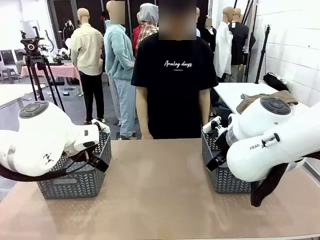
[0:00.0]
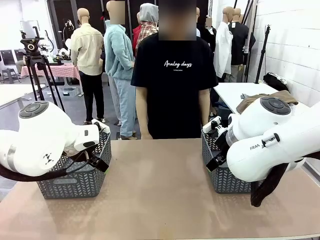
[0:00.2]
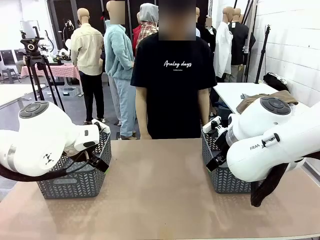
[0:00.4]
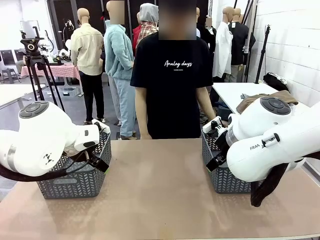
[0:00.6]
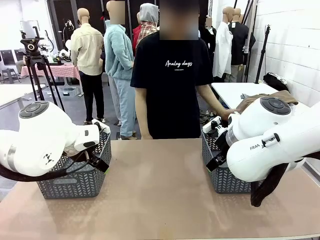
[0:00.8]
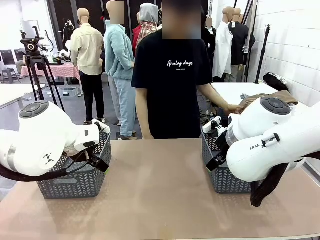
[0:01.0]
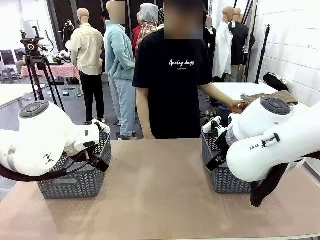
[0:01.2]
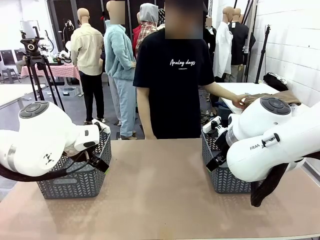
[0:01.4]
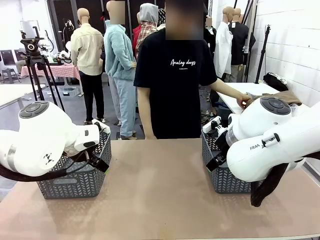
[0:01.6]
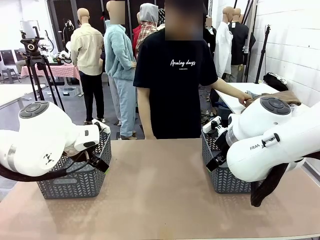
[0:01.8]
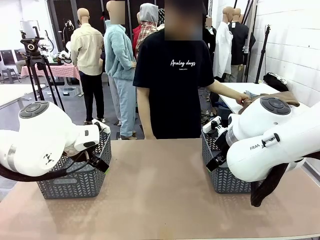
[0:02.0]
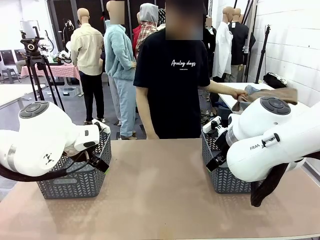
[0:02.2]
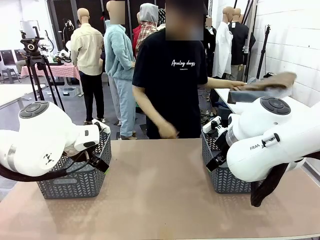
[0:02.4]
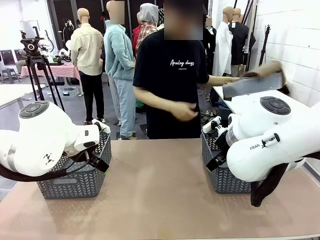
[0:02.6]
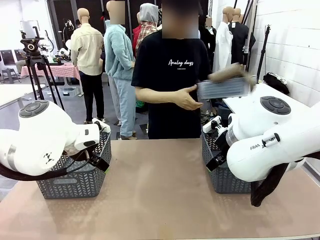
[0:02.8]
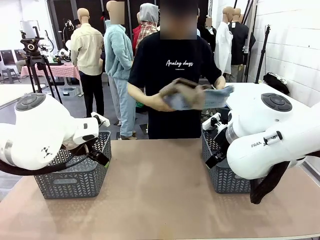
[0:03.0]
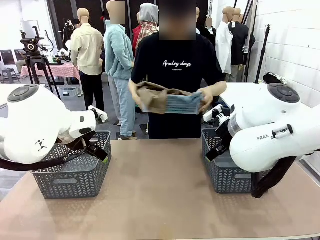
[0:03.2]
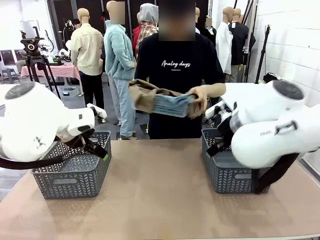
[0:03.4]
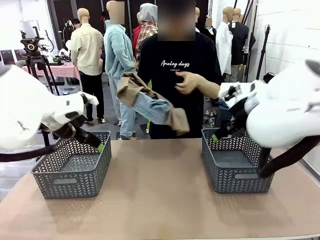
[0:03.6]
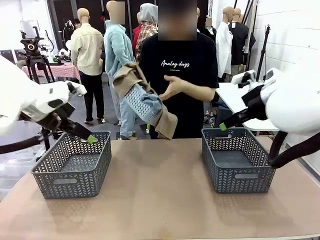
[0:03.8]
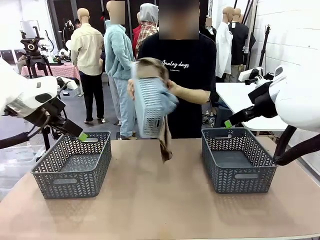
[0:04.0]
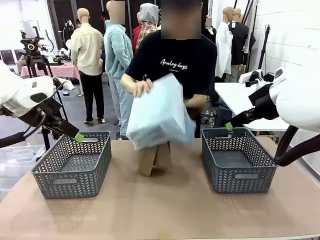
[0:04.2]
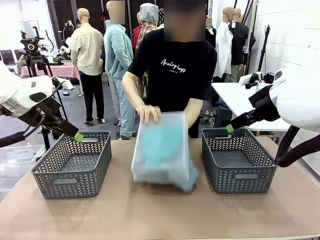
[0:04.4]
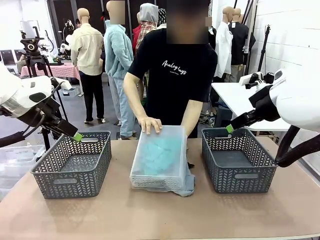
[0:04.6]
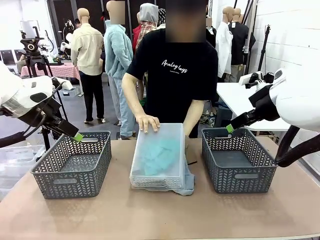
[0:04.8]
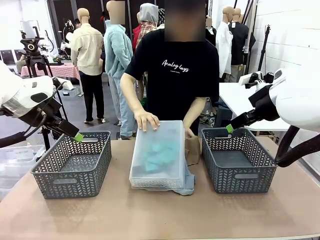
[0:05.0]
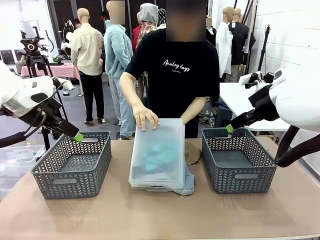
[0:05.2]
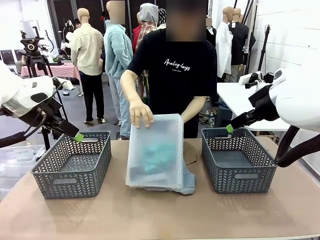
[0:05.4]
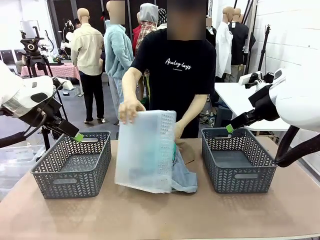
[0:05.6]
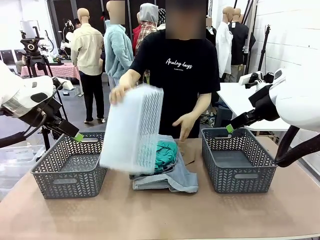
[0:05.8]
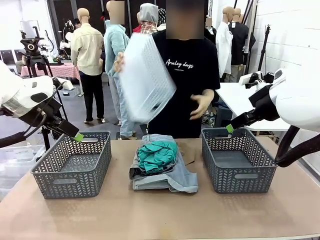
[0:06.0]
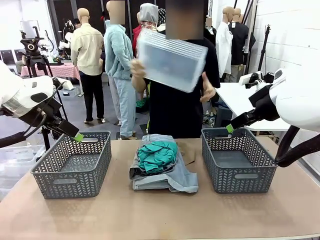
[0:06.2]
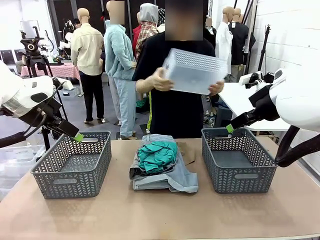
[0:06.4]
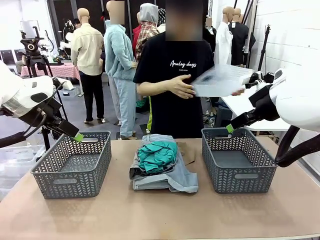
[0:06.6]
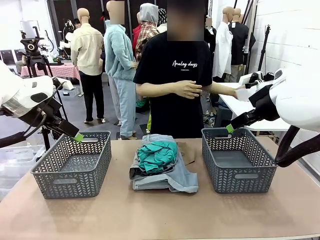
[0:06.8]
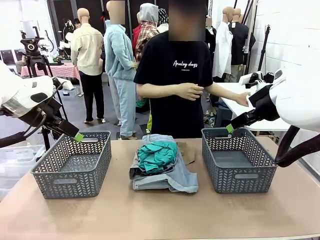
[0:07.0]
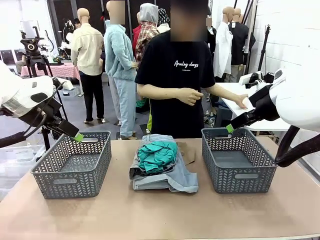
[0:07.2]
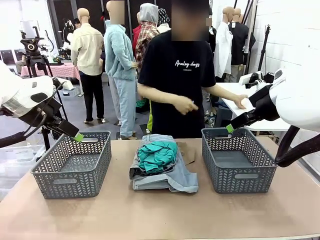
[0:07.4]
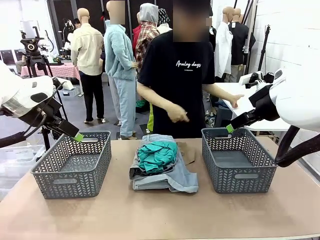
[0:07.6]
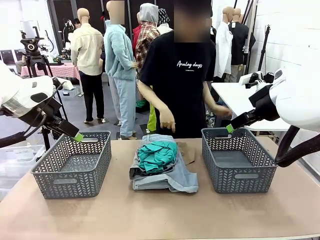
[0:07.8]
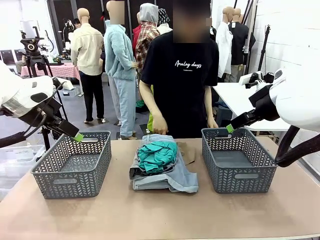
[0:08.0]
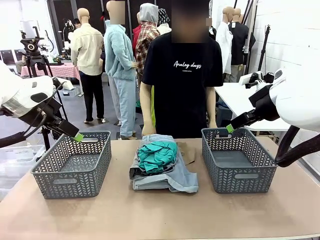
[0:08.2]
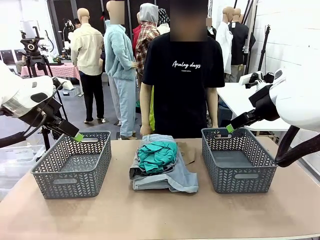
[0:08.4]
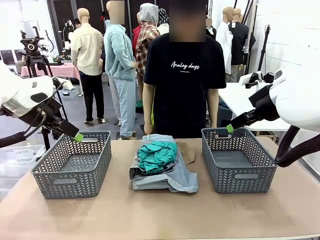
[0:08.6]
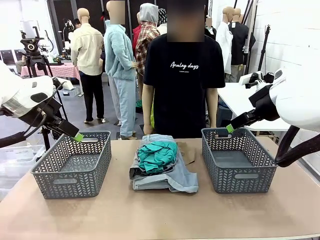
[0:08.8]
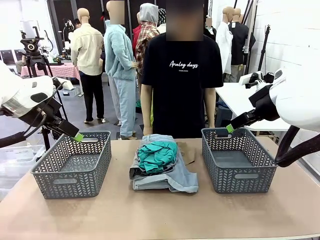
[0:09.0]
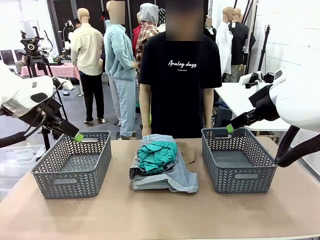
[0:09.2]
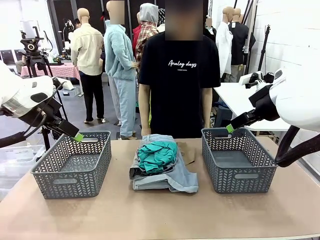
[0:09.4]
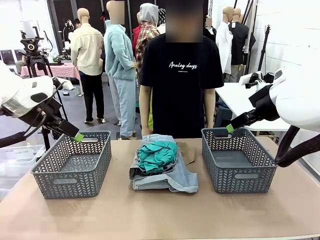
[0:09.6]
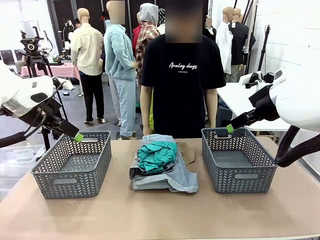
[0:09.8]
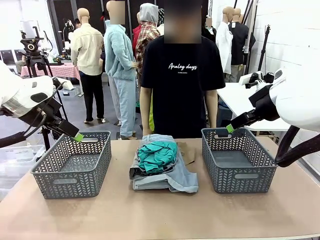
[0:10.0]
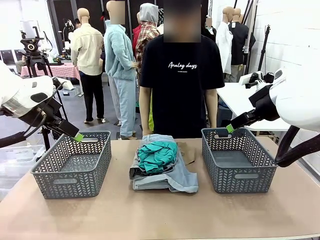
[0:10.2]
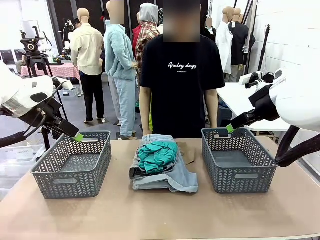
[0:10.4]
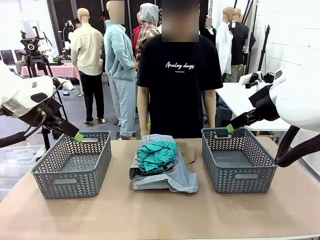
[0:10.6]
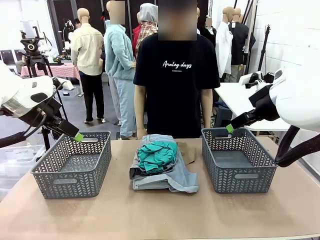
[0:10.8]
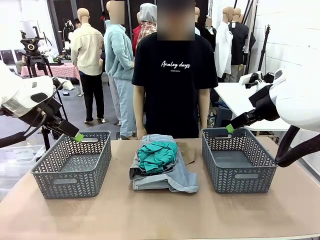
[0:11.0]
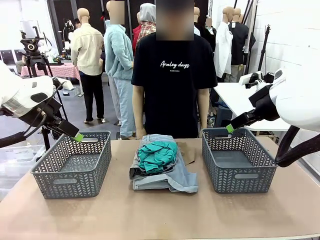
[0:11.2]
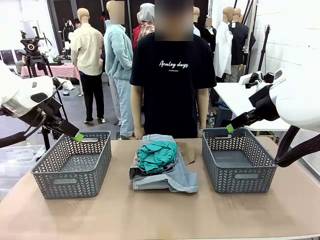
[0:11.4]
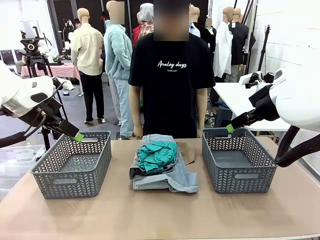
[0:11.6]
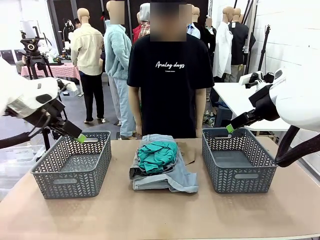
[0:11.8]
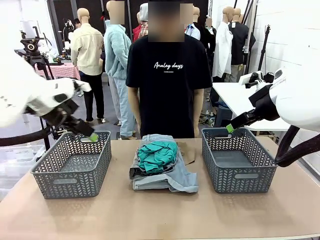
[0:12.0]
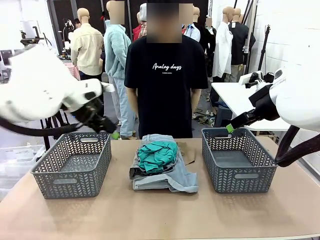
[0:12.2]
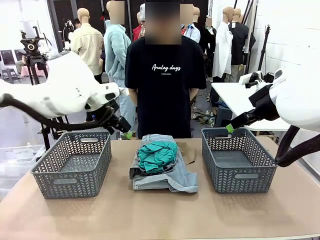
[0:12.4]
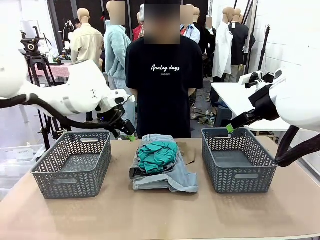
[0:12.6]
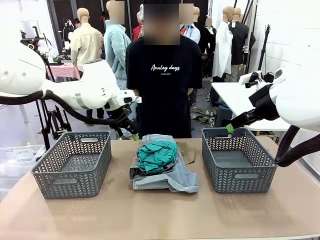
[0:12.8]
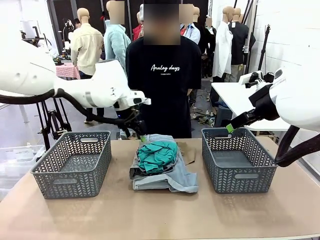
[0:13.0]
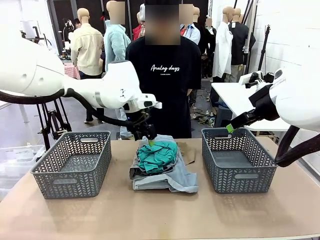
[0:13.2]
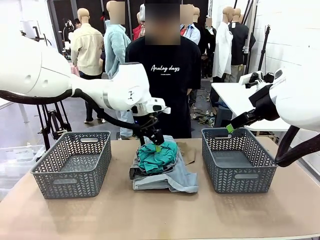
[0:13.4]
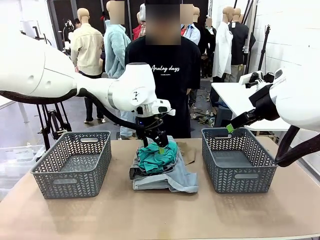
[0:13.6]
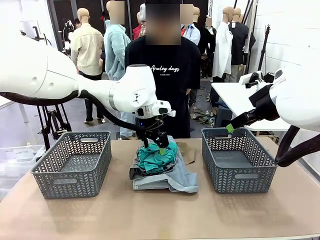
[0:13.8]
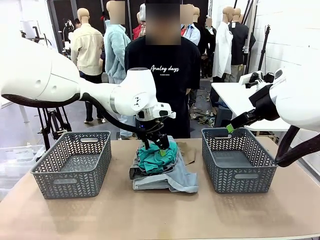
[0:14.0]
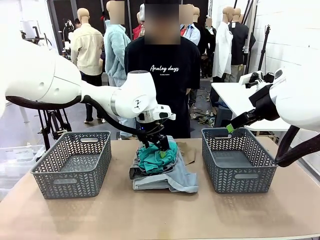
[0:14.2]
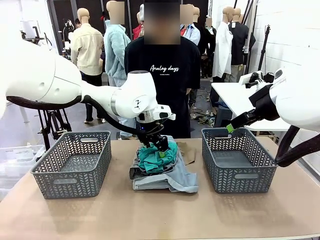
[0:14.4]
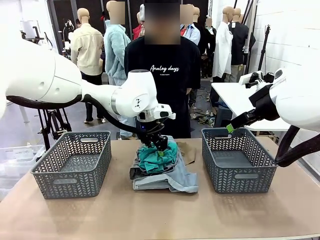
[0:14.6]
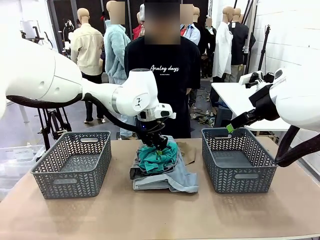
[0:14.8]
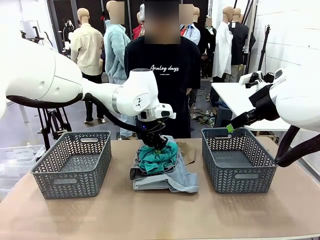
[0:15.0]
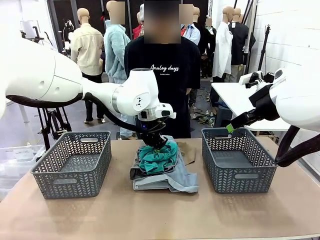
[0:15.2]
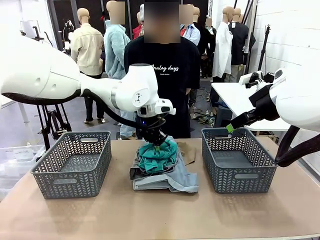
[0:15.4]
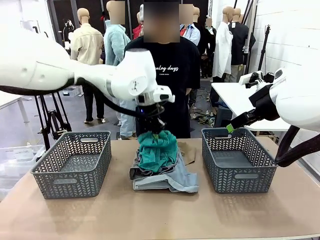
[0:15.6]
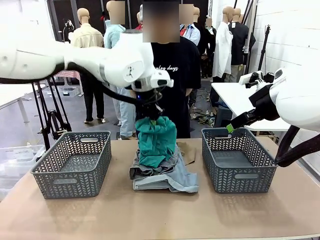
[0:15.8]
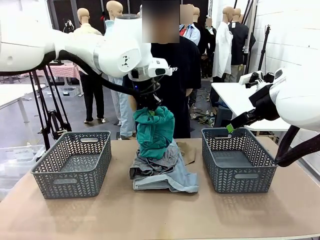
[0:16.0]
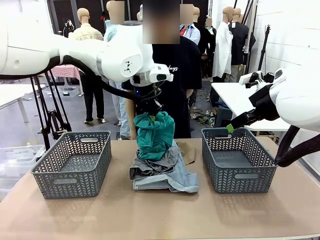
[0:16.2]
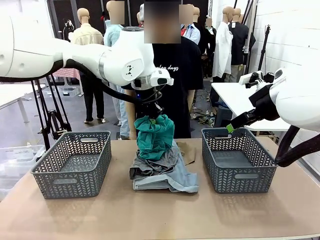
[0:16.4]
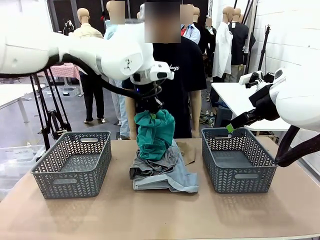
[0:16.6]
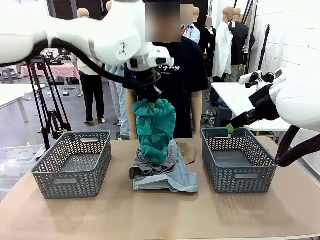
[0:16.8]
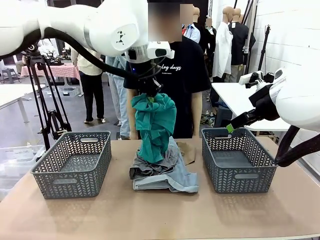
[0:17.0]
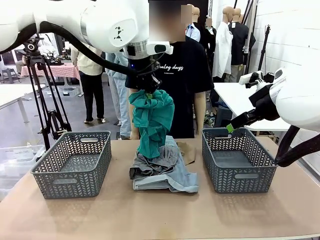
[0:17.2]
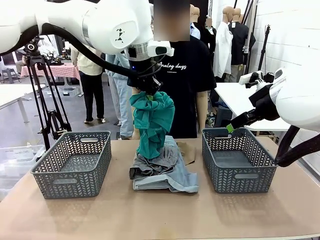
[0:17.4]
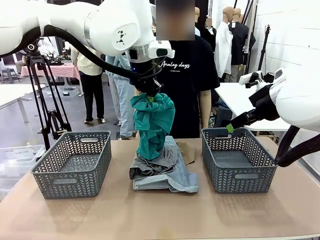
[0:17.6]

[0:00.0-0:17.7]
Task: Sort the tops and bottoms.
Robot: Lift clothes from the center of the table with your left hand.
Person: Pour the clothes from the basket onto the center of the robot table.
